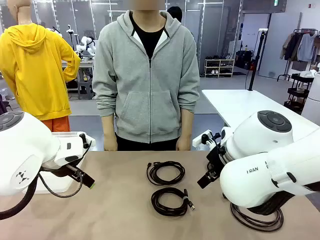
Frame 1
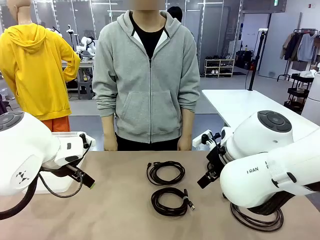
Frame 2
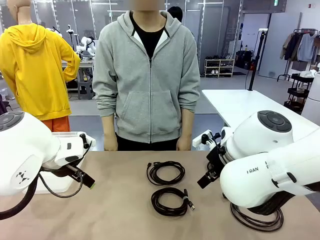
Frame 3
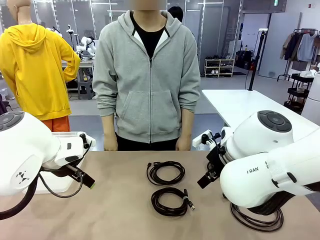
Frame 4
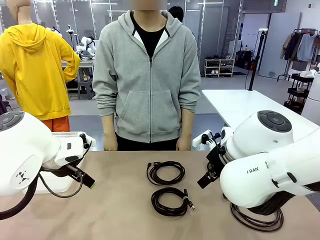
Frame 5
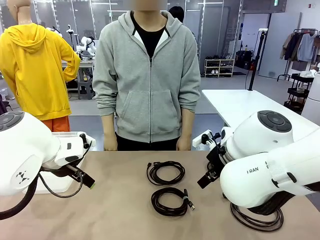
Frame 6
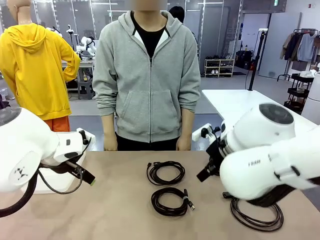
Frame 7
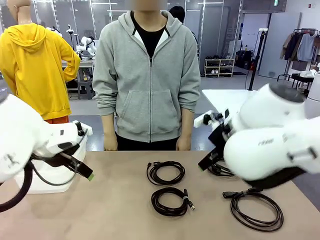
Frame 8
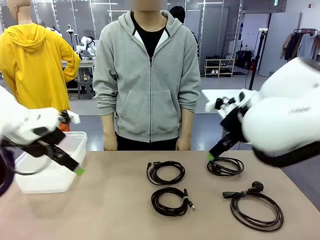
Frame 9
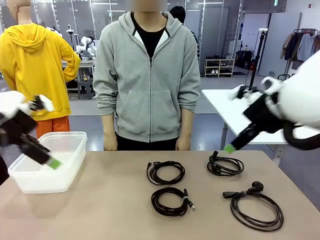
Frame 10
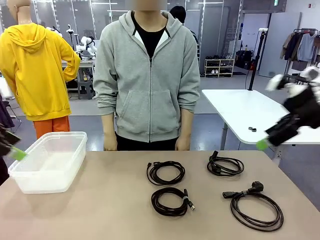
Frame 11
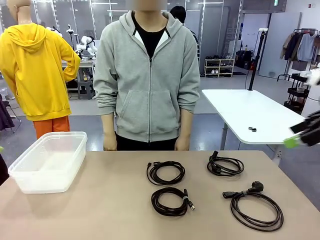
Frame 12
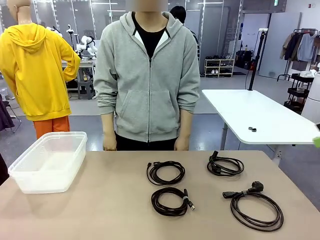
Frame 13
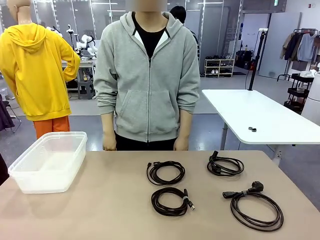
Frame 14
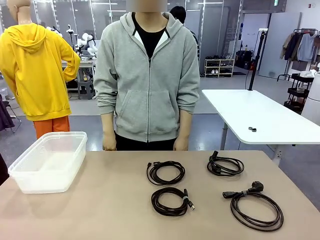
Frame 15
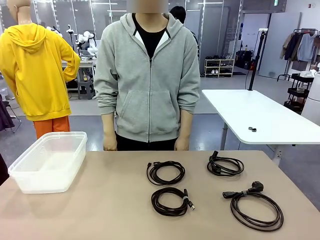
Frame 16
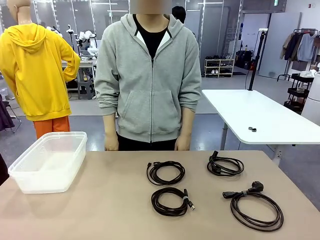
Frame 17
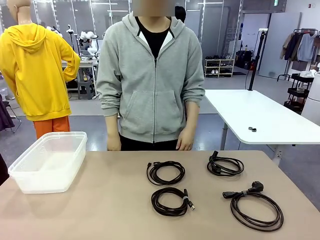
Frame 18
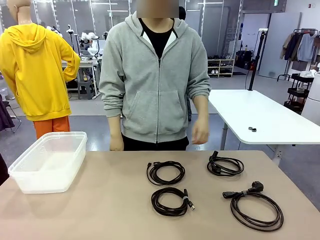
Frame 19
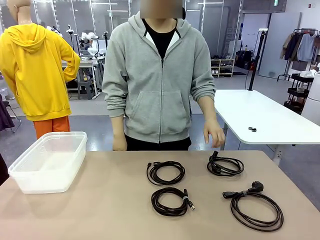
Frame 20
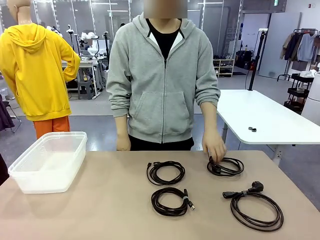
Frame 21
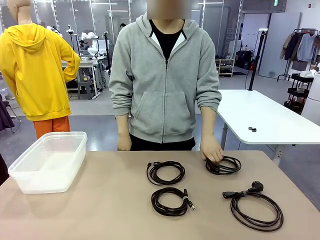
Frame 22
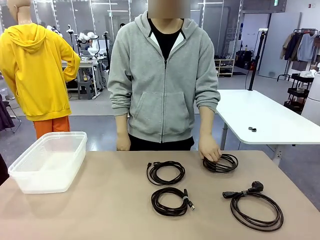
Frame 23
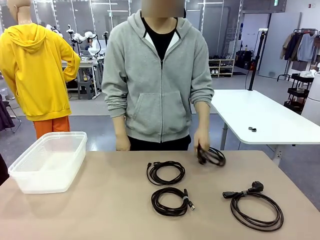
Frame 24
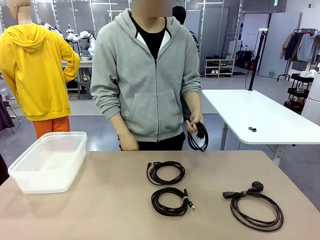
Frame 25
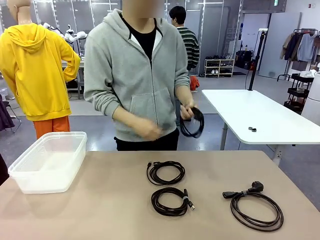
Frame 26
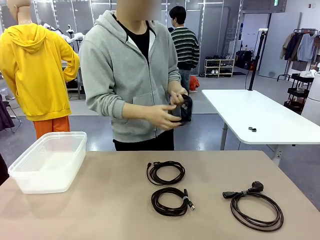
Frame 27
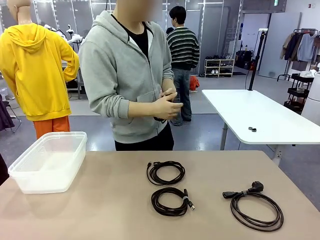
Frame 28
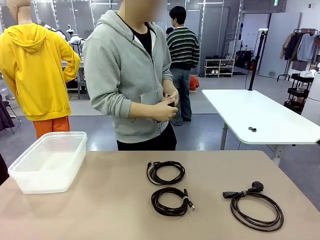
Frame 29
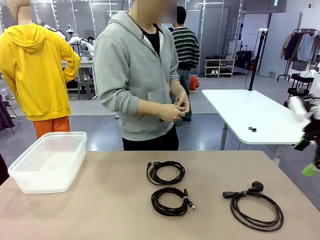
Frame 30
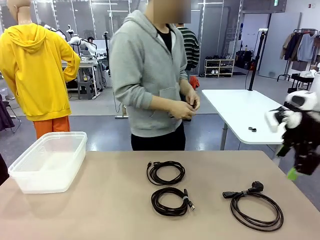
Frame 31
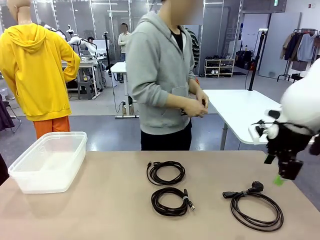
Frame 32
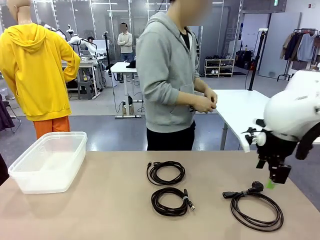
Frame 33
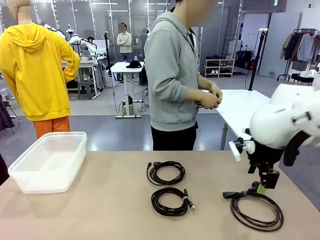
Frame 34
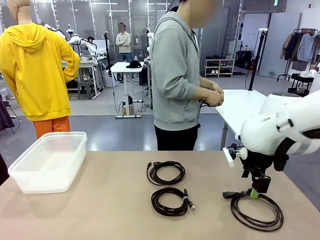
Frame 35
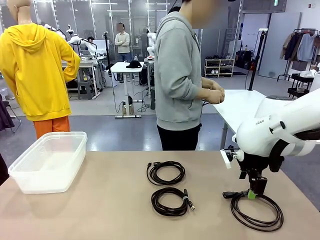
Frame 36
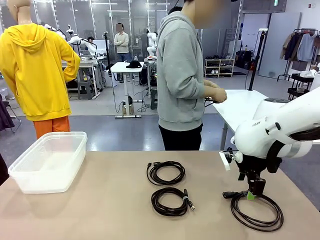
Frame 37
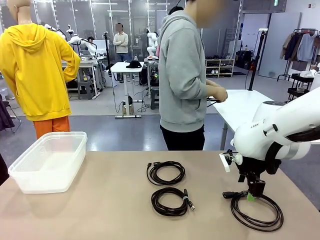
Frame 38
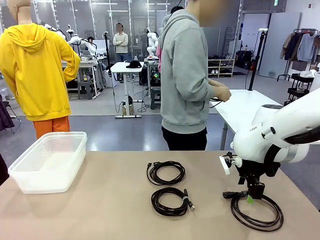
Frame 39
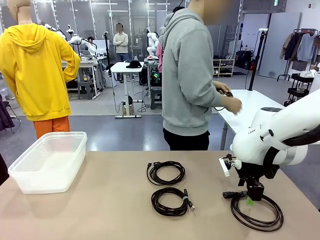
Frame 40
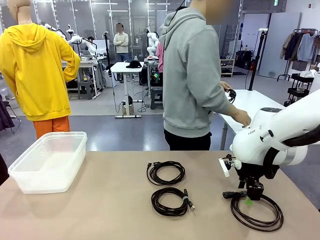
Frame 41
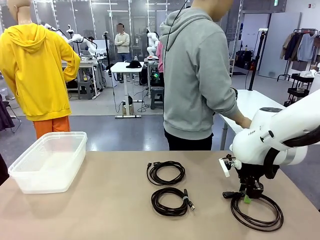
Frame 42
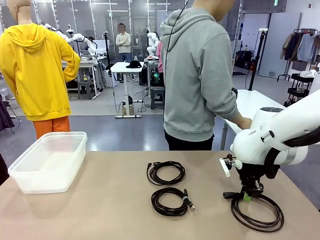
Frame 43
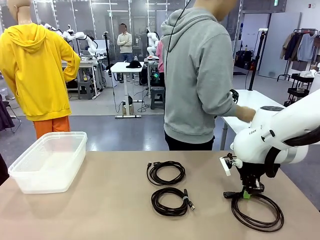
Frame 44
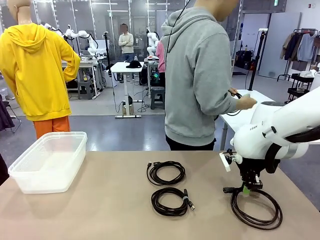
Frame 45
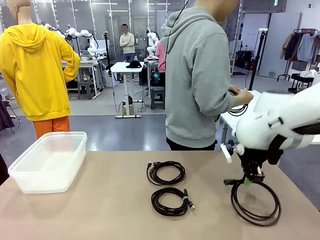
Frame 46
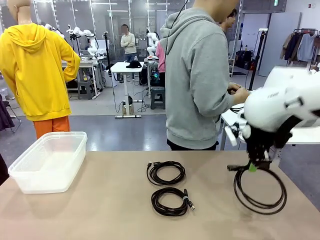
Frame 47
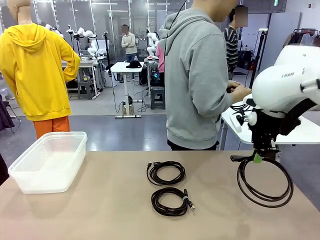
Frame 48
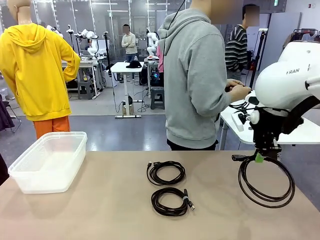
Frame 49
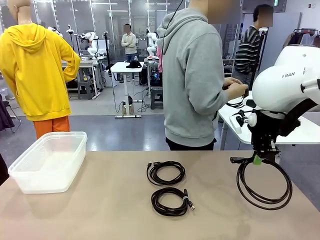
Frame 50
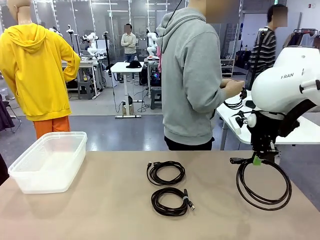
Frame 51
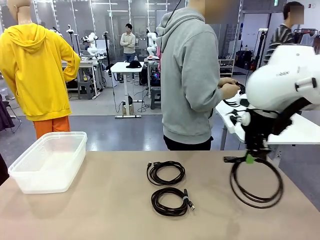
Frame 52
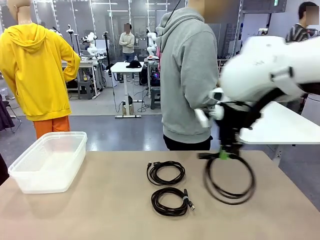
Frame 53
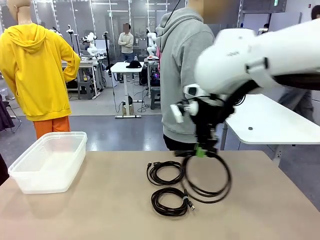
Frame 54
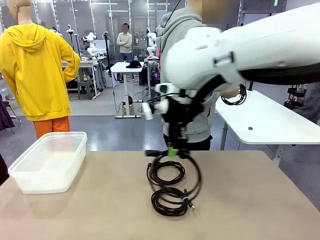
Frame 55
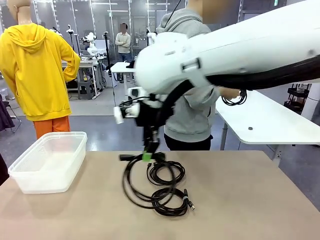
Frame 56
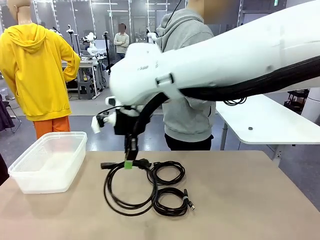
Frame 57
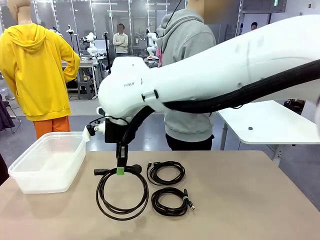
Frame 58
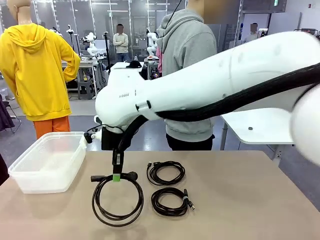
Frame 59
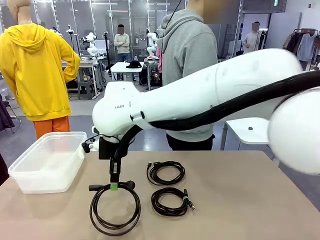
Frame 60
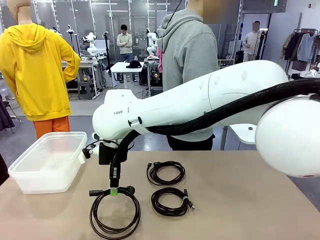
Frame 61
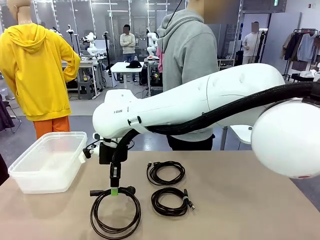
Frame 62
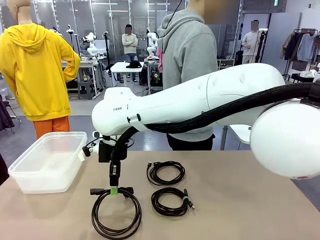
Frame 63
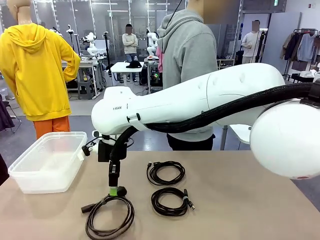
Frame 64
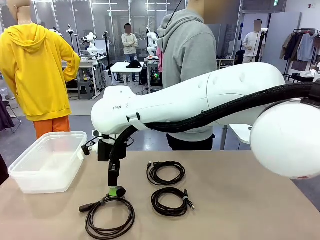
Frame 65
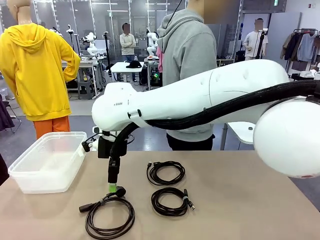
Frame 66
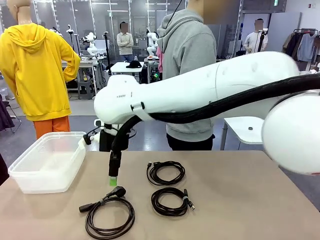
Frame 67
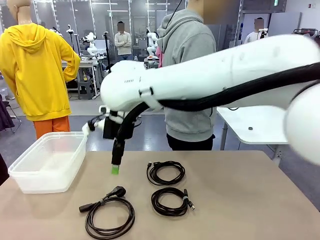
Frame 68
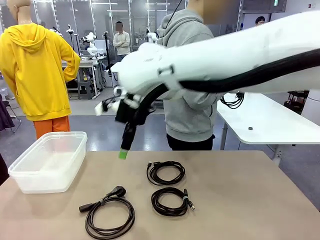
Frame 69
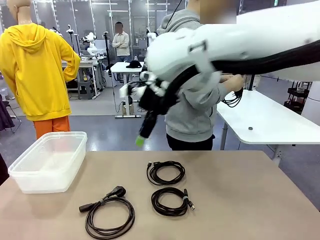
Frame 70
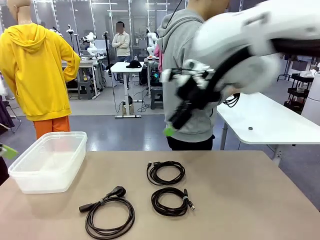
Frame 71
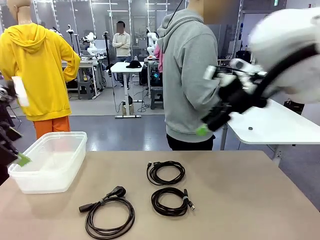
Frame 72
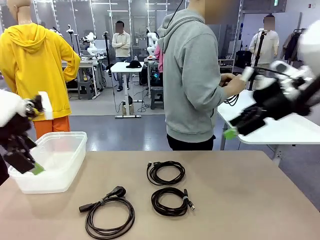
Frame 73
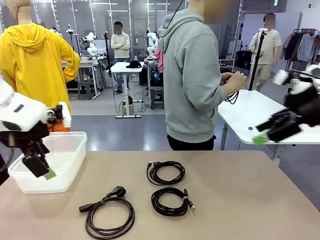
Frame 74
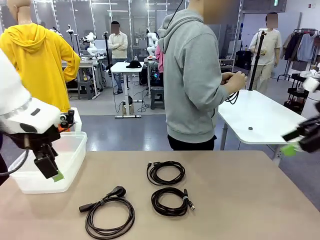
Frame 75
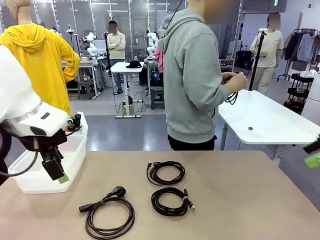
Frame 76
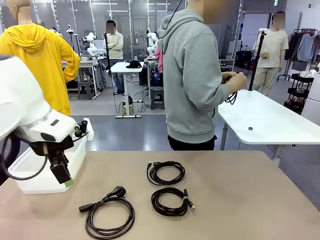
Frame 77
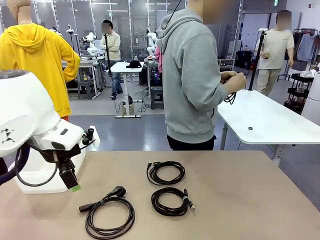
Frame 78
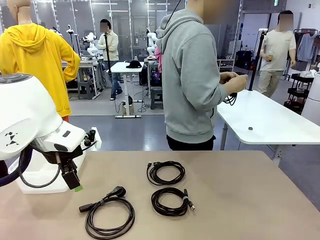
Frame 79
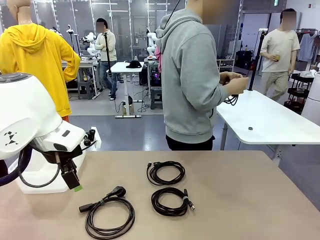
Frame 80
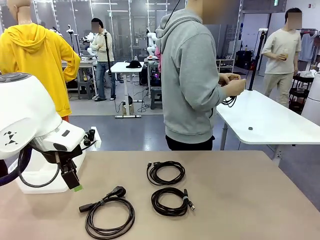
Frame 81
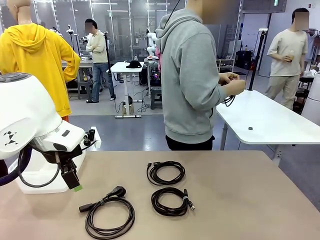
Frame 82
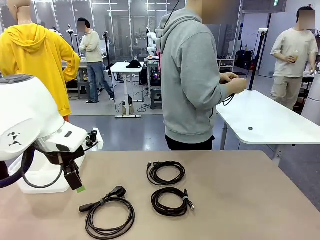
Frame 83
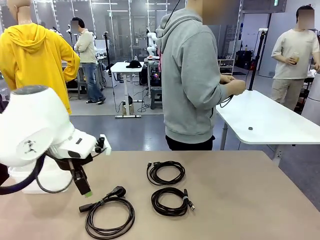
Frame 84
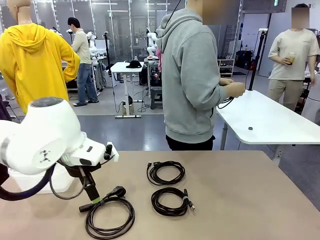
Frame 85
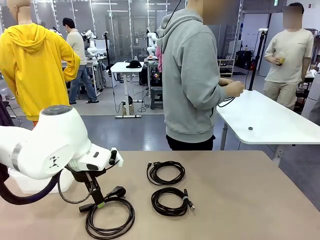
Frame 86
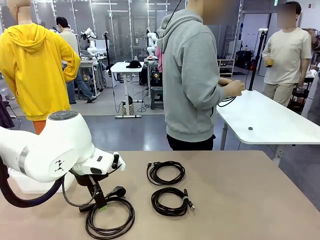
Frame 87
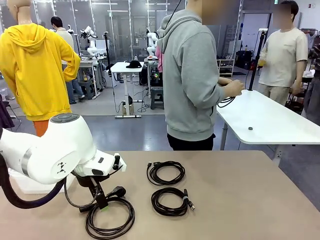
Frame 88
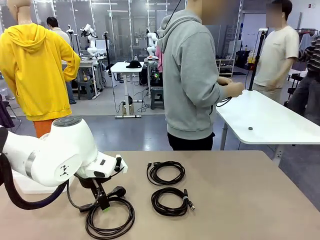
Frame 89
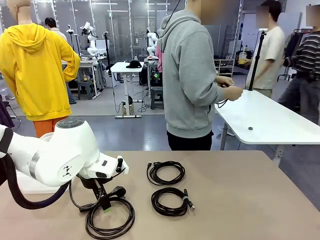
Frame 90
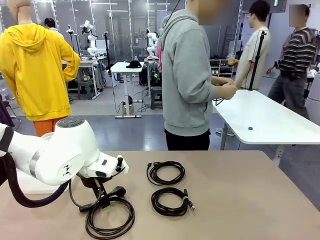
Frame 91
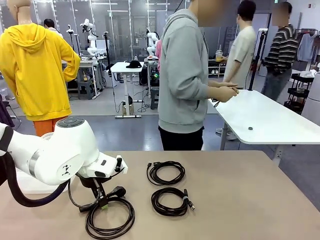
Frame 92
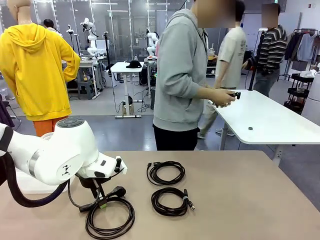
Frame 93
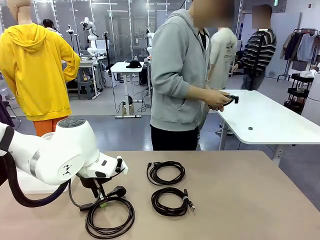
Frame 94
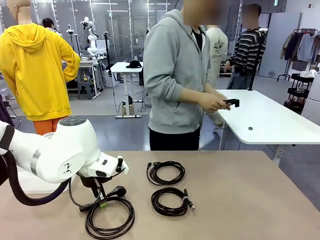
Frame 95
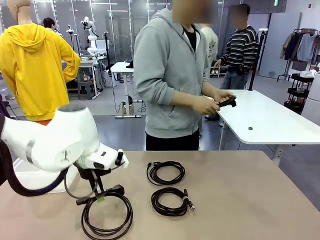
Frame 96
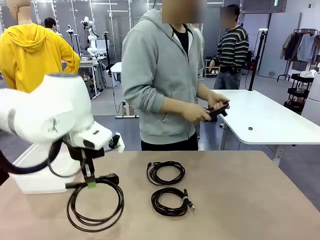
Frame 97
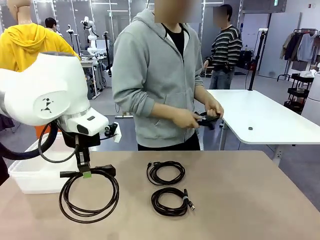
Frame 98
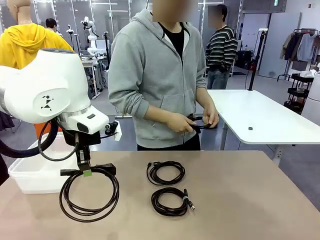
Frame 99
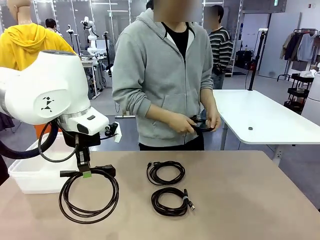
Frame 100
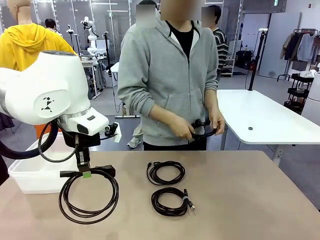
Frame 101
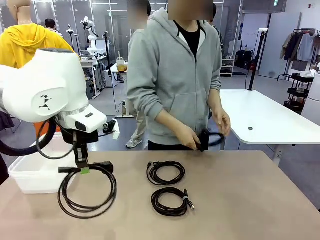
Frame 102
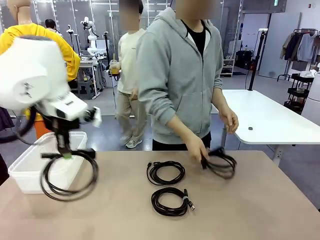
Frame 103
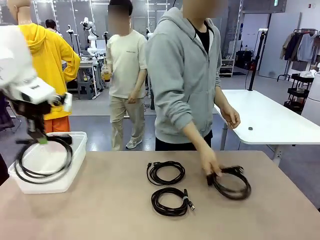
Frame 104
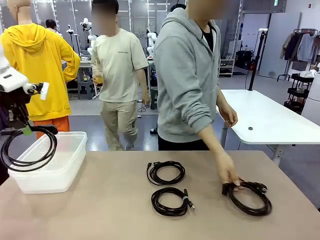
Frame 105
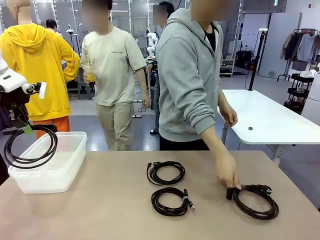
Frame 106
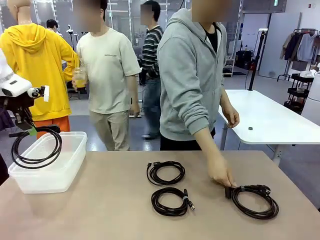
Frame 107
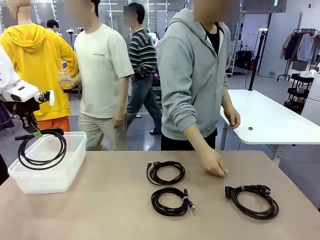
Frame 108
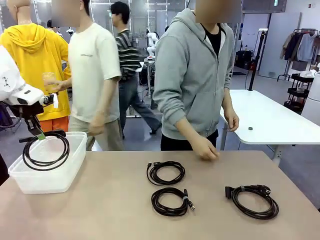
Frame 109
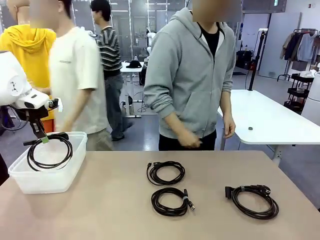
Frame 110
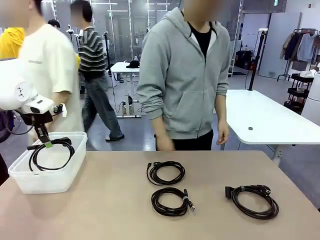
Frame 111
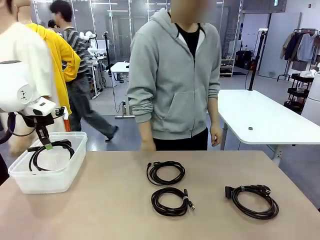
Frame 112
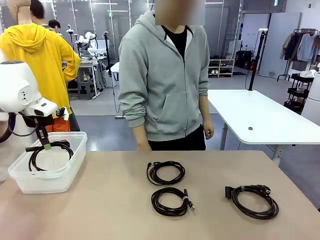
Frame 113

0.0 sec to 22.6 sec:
Task: Organize and store the cables.
Robot: Place the Power Cable into the Organizing box.
Person: Tie one Power Cable with a Reusable Cable Tie.
